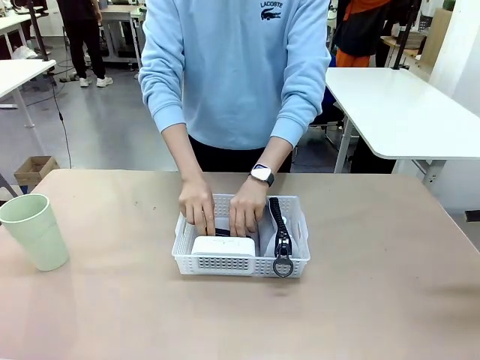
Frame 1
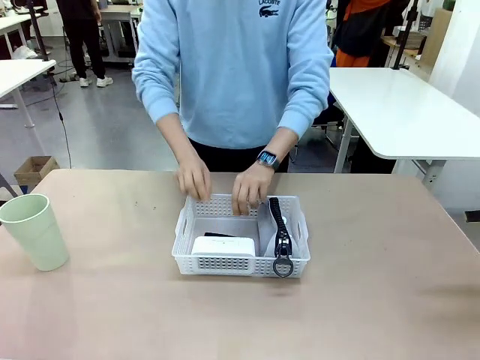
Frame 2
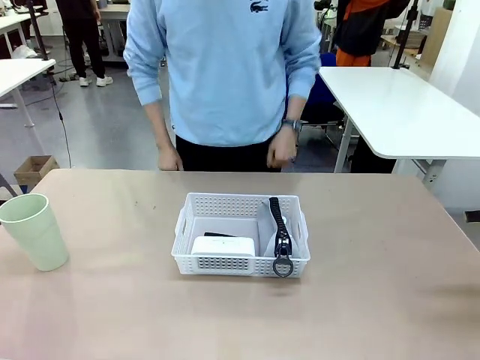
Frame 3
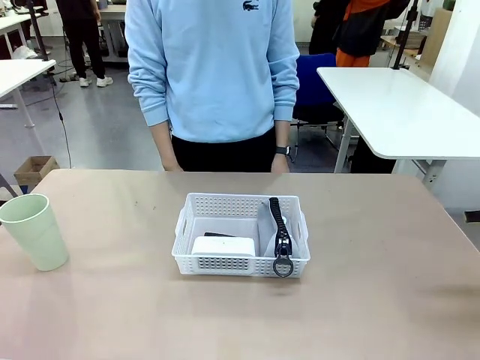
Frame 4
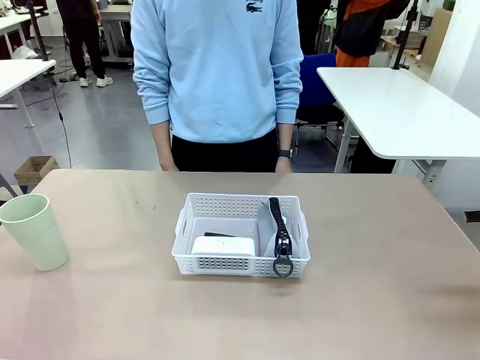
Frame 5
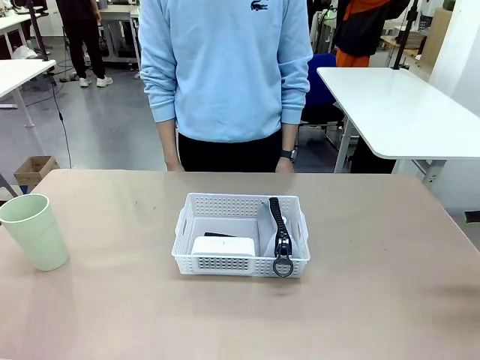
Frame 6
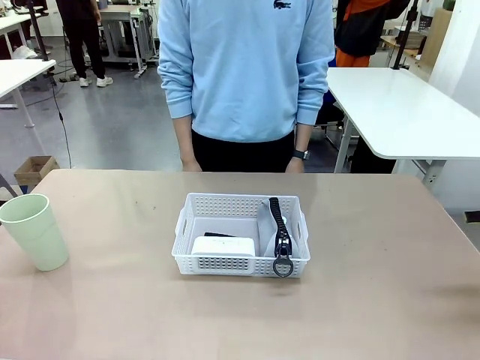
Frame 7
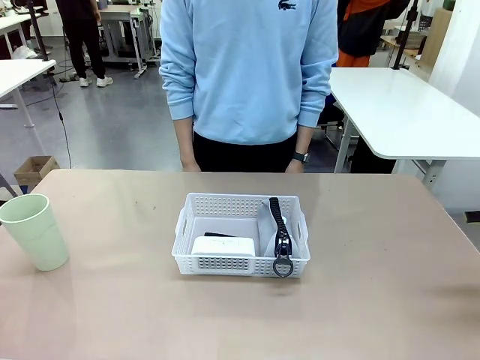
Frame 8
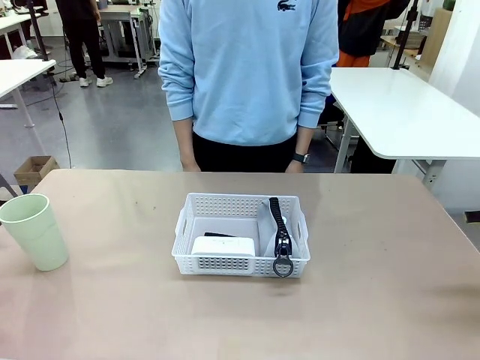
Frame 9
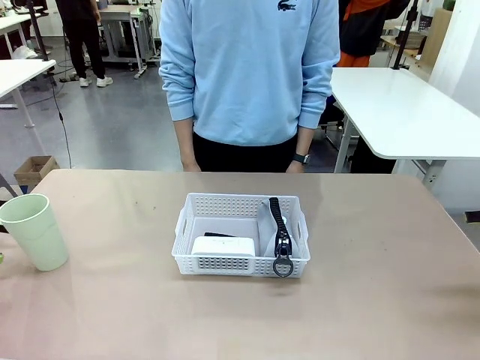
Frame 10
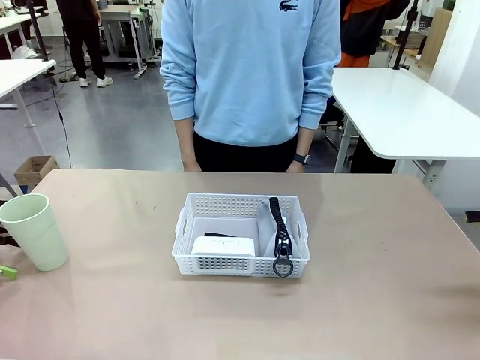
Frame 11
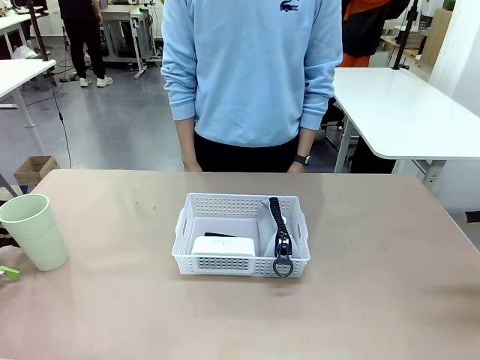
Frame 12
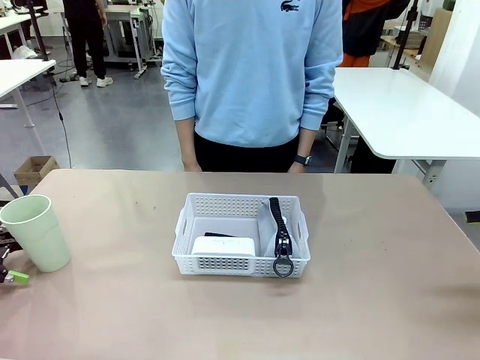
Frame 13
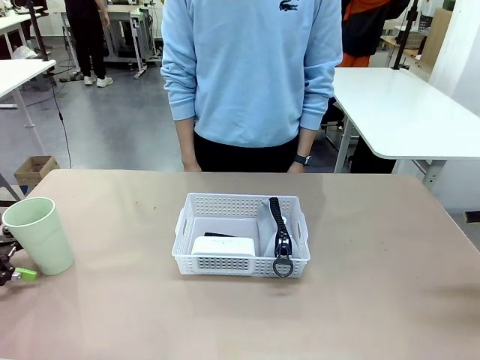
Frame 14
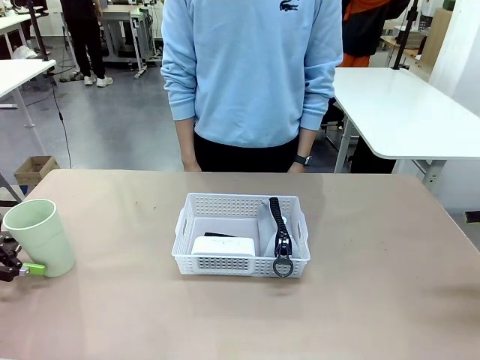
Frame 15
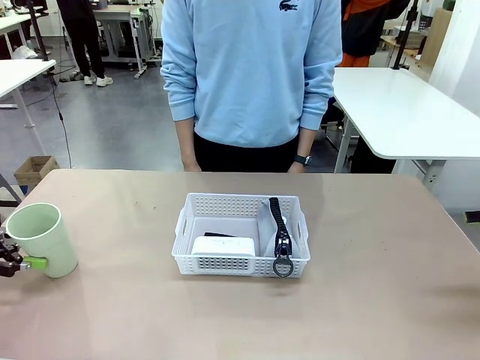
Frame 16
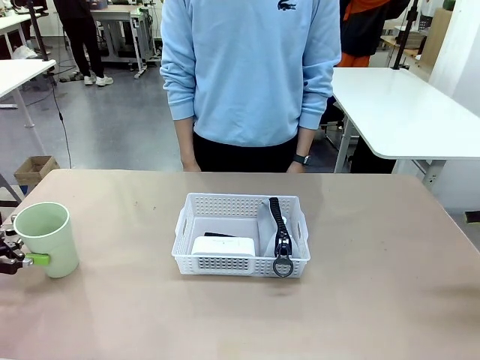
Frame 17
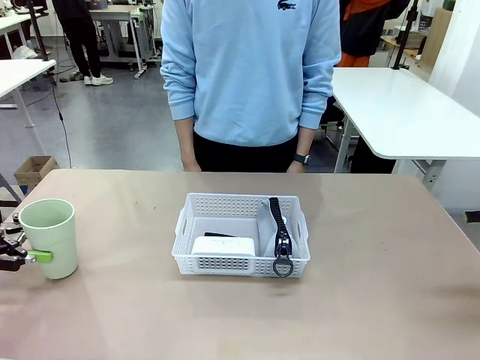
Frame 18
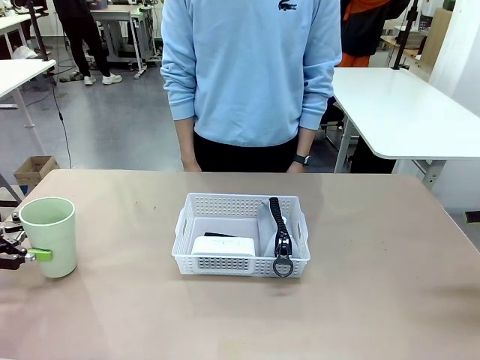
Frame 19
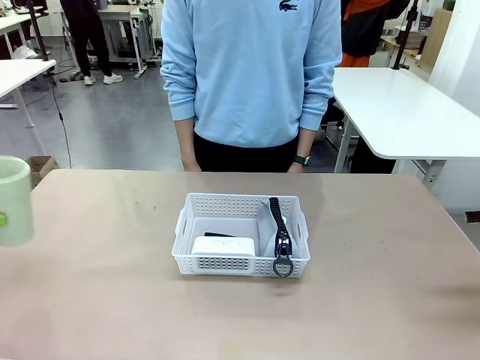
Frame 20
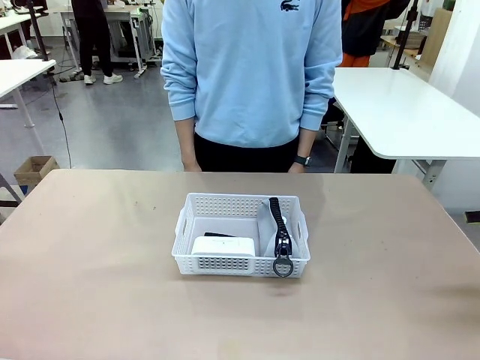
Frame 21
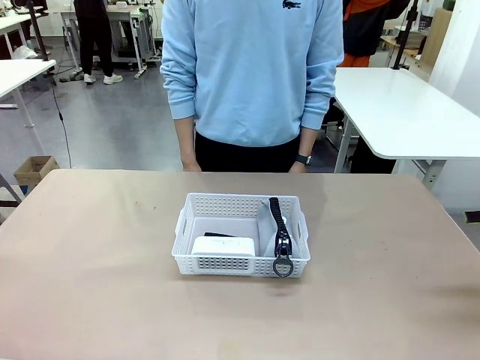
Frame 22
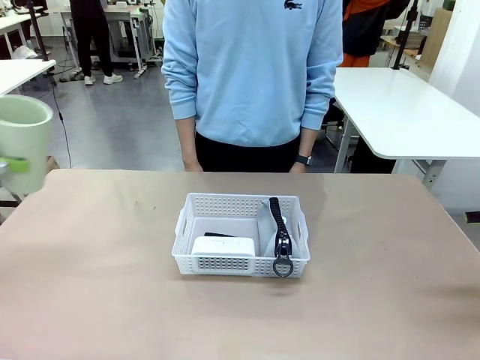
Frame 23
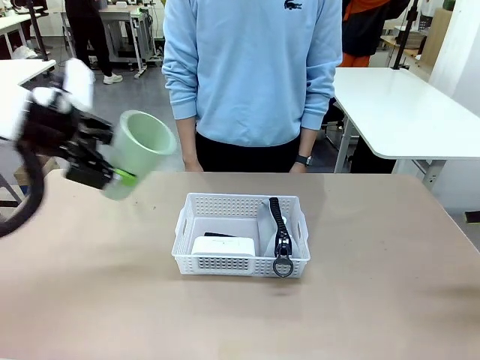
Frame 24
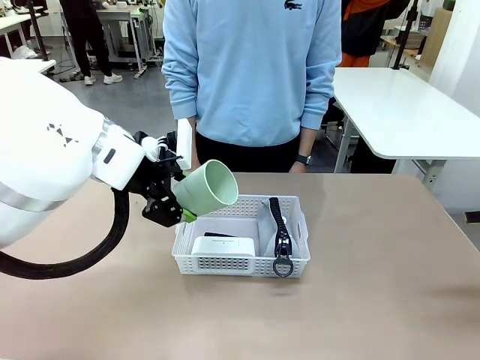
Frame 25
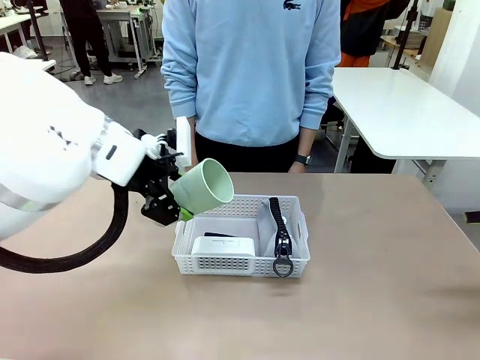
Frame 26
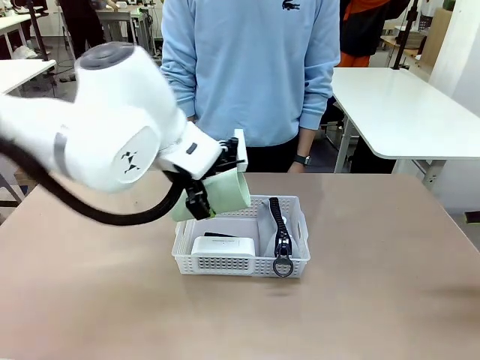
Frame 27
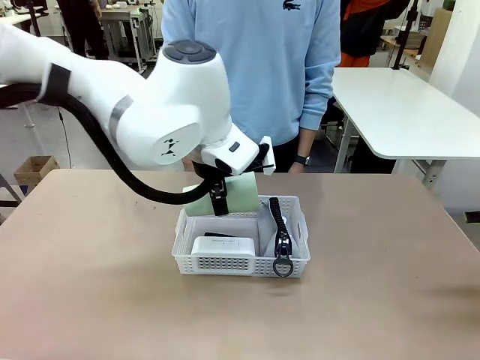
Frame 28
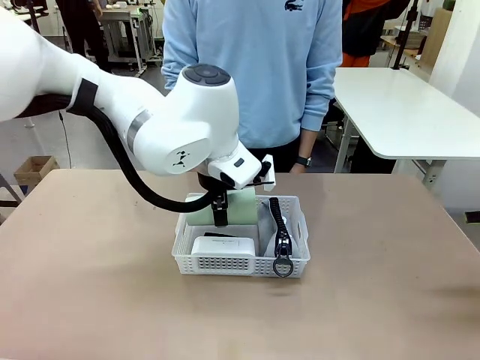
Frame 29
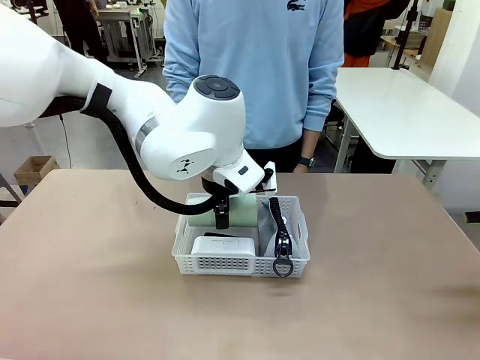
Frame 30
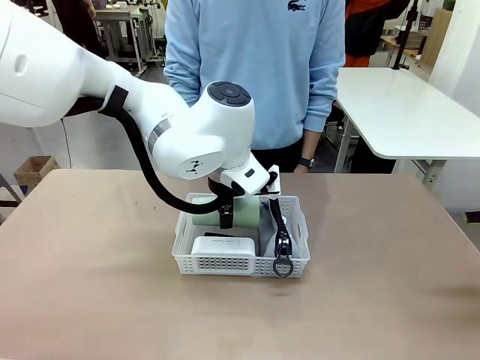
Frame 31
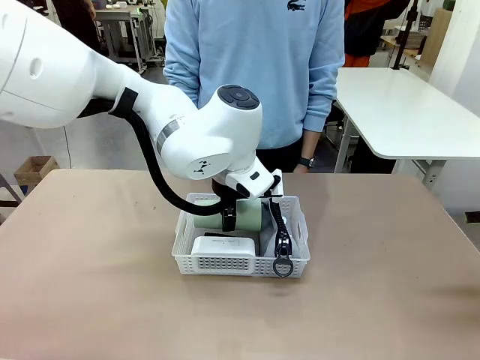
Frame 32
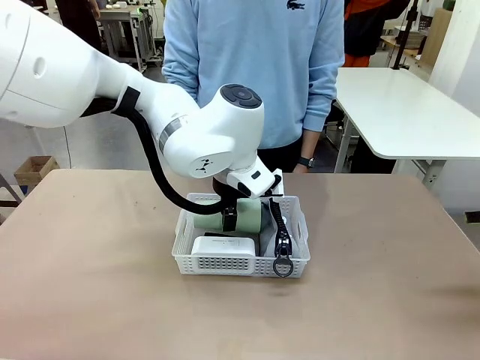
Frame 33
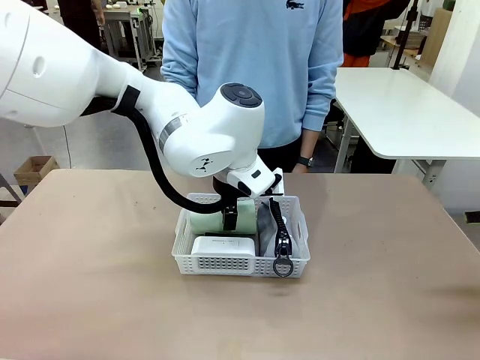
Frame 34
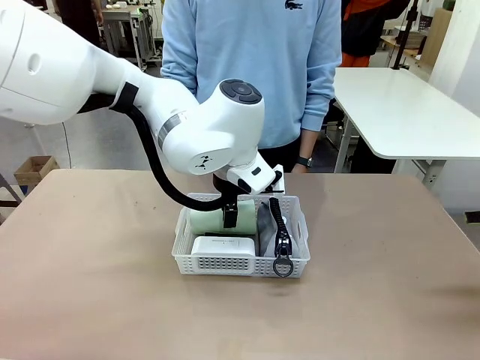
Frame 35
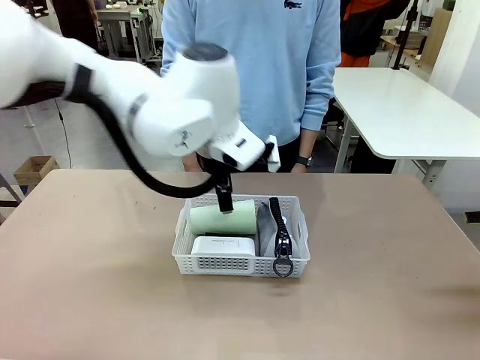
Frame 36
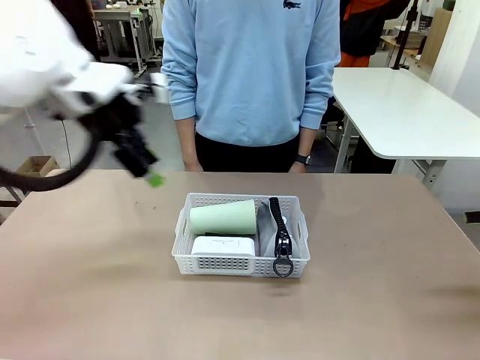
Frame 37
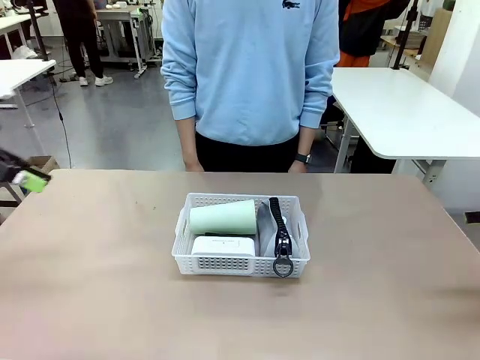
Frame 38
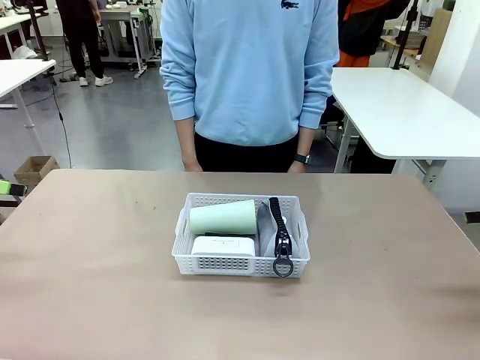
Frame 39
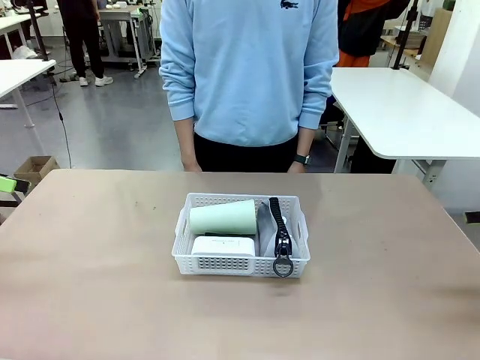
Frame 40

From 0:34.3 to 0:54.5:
Task: Efficiently arrange items inside the basket to fit them all.
Robot: Pick up the Reusable plastic cup and place it inside the Organizing basket.
Person: Repositions the stapler.

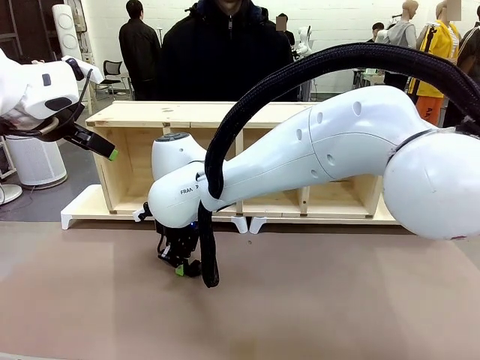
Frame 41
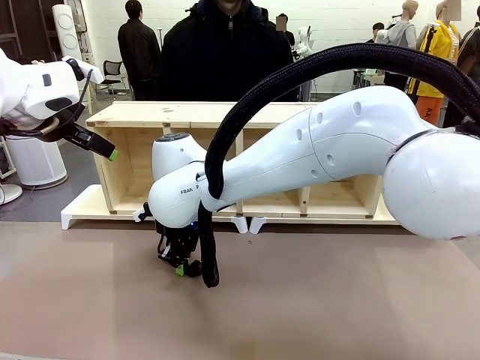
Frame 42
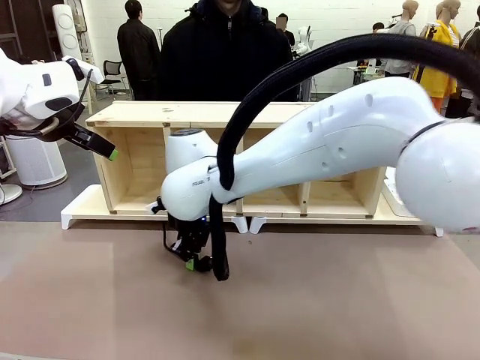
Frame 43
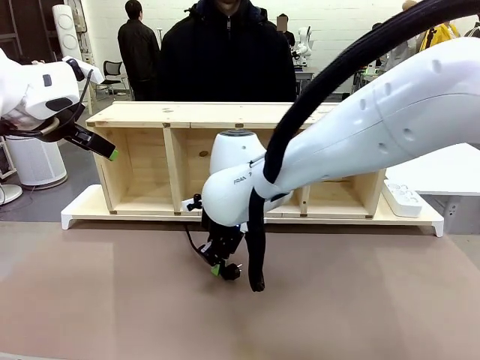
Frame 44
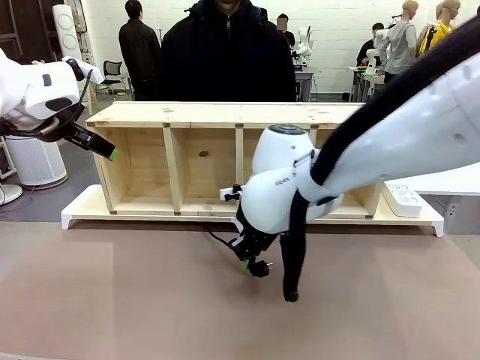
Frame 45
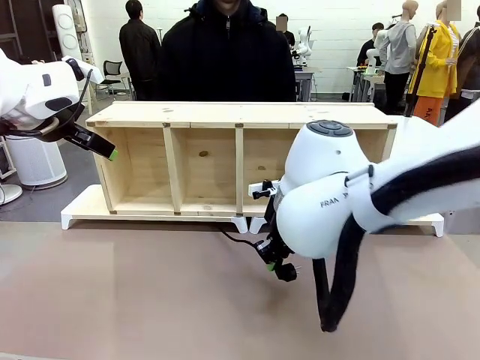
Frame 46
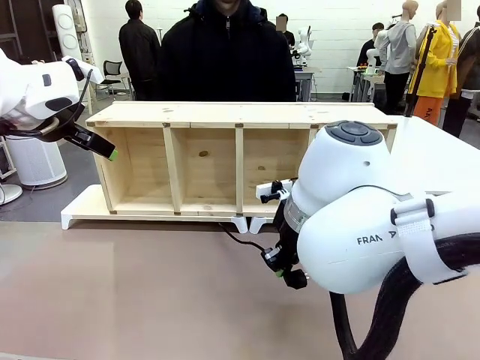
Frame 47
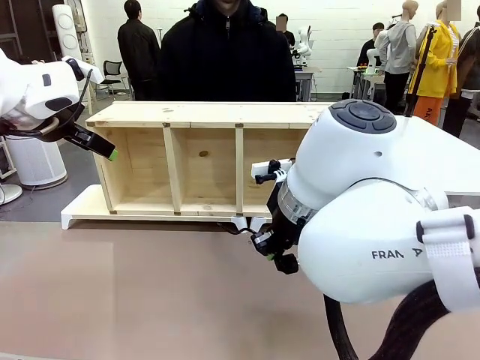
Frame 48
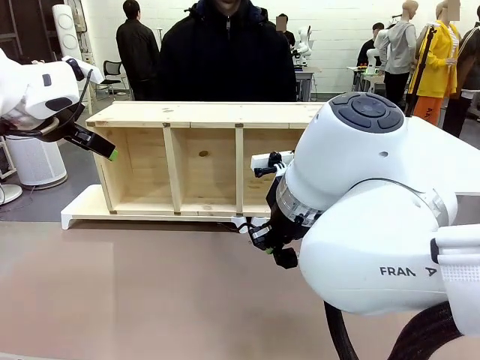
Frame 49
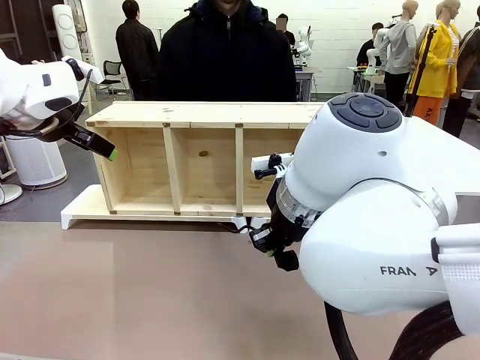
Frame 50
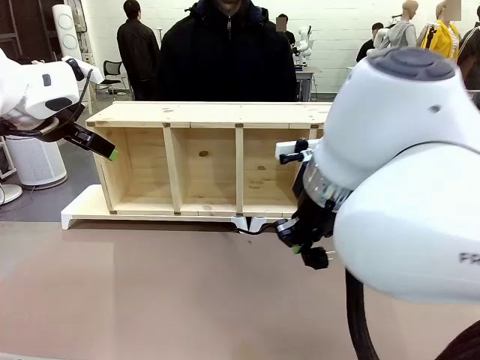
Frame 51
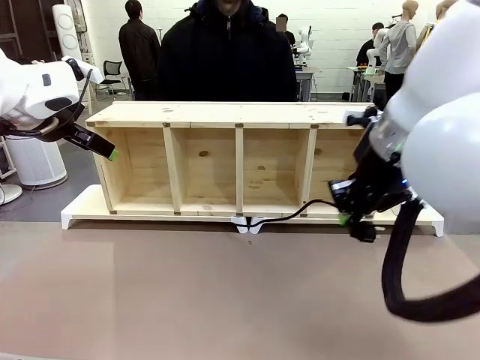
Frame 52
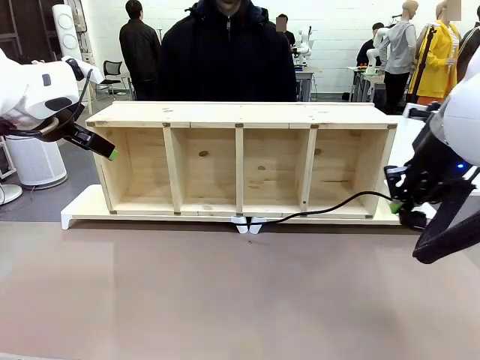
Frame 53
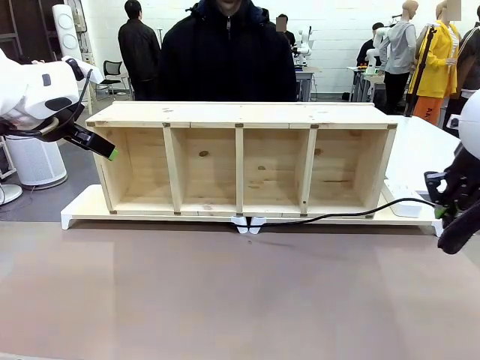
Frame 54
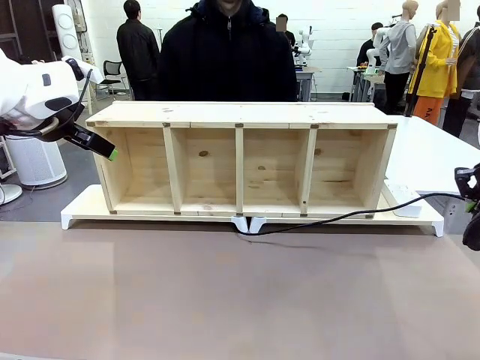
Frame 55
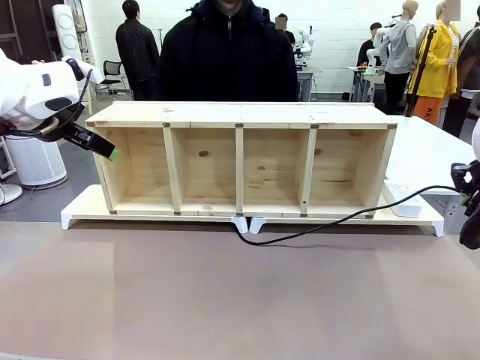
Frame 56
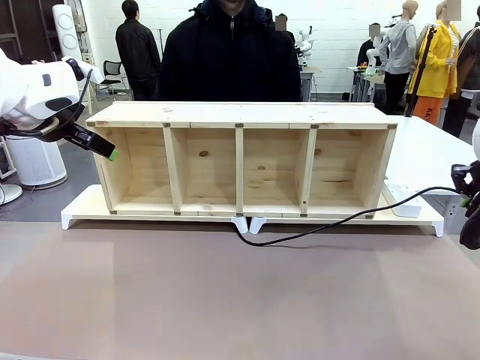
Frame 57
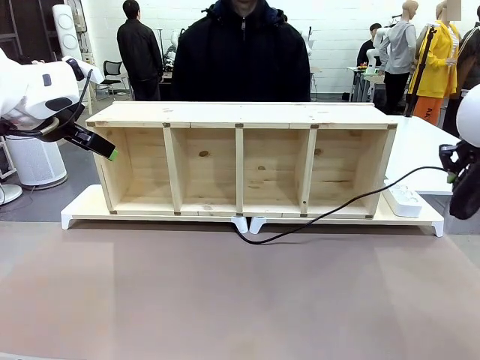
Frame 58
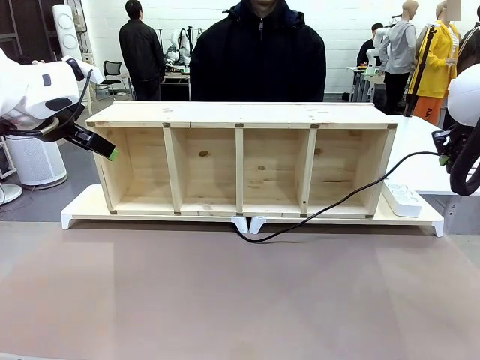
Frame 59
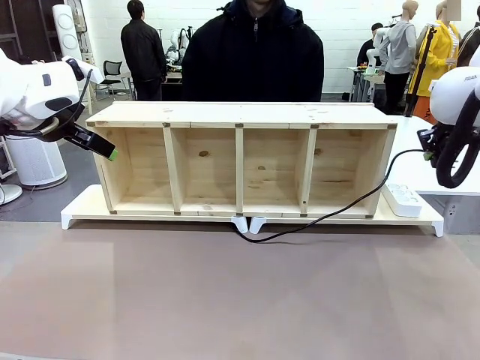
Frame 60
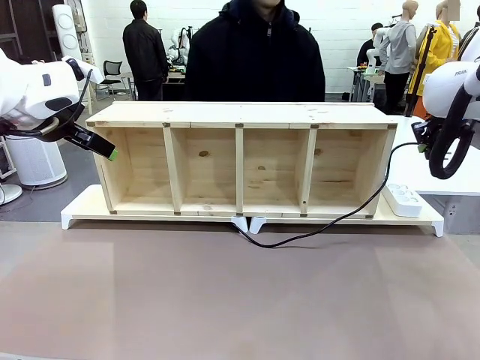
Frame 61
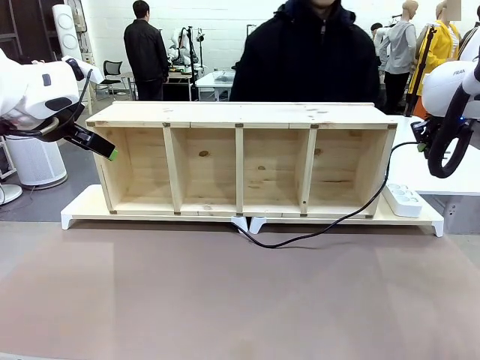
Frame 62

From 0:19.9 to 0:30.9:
Task: Perform cable management.
Robot: Pull the grasped Power Cable to the location of the Power Strip.
